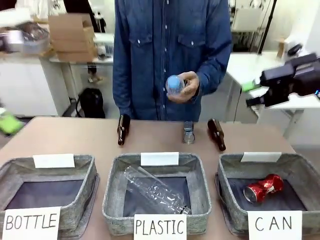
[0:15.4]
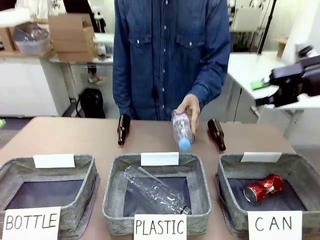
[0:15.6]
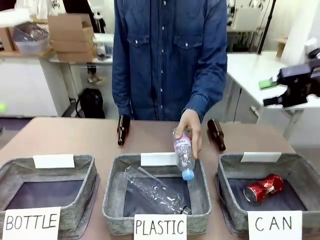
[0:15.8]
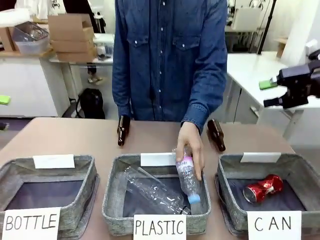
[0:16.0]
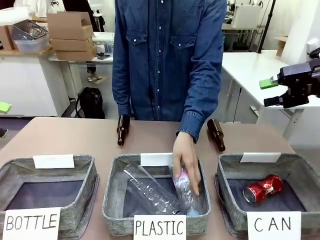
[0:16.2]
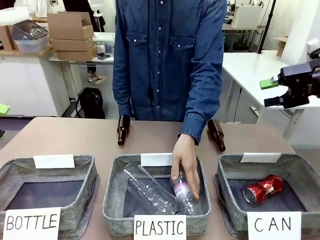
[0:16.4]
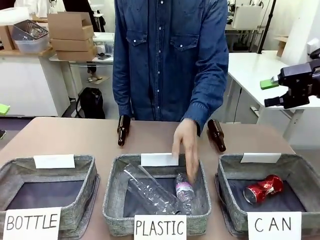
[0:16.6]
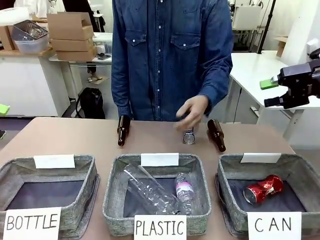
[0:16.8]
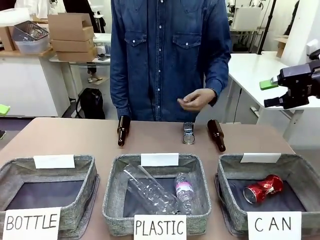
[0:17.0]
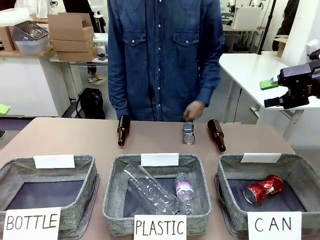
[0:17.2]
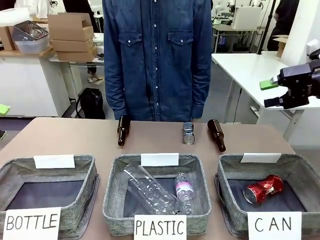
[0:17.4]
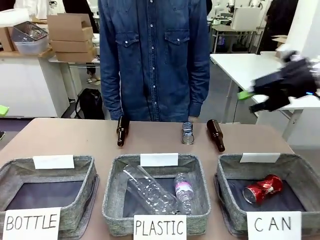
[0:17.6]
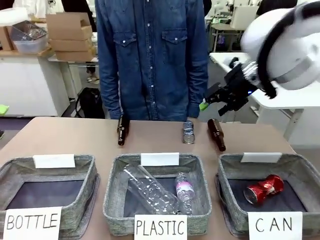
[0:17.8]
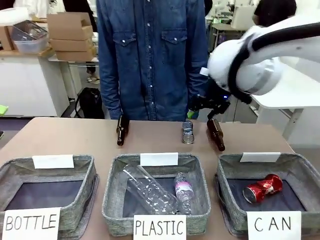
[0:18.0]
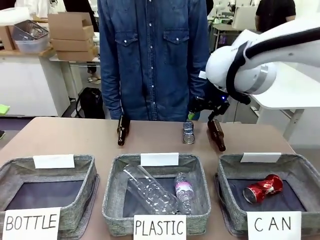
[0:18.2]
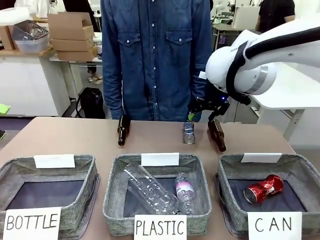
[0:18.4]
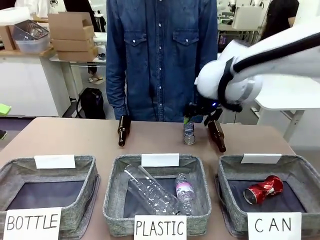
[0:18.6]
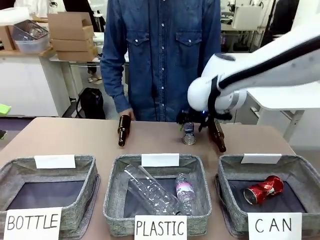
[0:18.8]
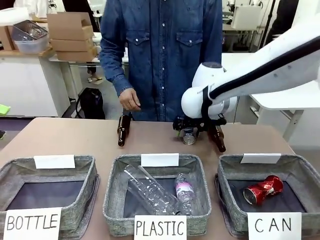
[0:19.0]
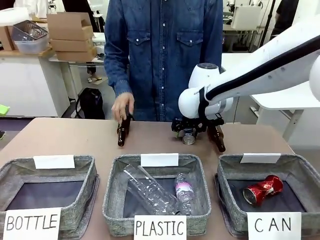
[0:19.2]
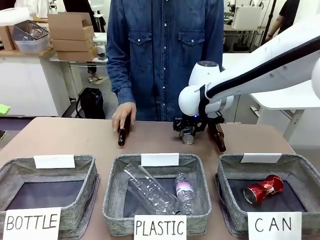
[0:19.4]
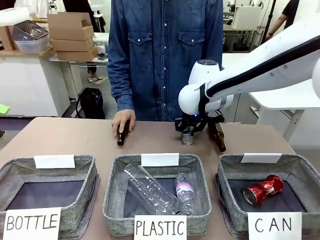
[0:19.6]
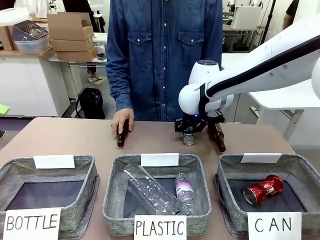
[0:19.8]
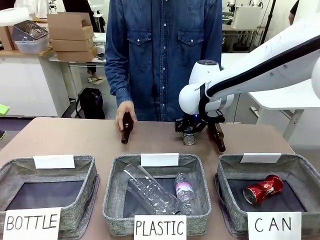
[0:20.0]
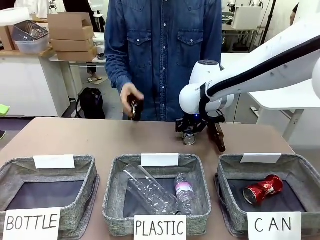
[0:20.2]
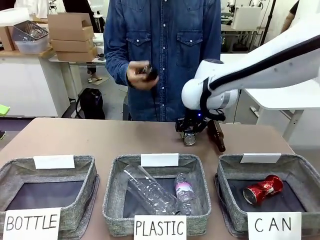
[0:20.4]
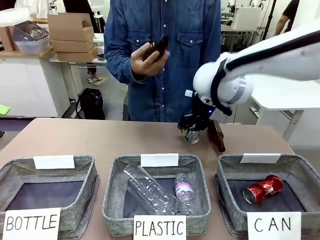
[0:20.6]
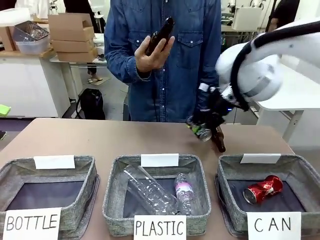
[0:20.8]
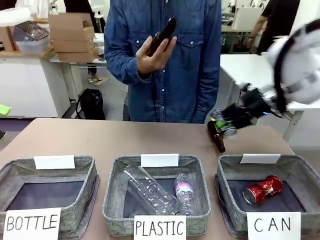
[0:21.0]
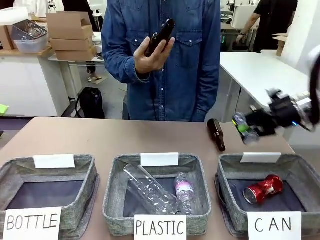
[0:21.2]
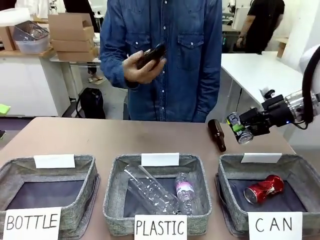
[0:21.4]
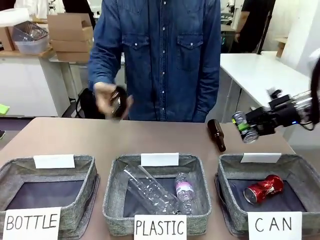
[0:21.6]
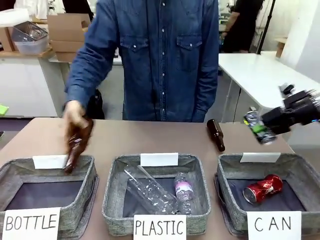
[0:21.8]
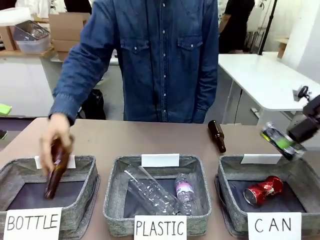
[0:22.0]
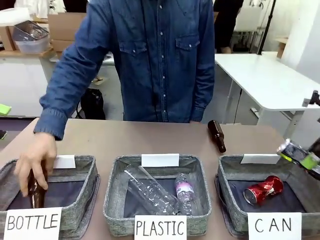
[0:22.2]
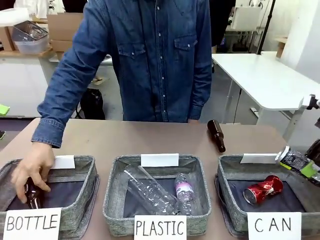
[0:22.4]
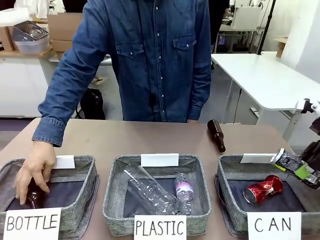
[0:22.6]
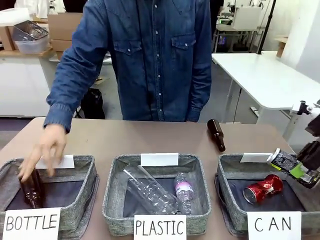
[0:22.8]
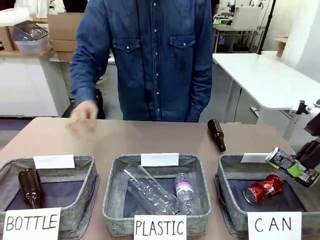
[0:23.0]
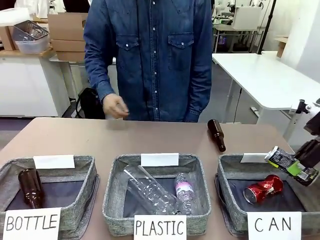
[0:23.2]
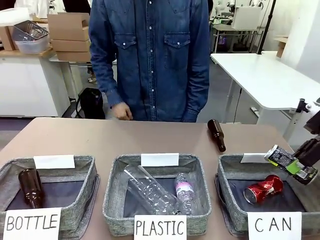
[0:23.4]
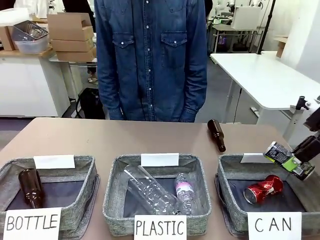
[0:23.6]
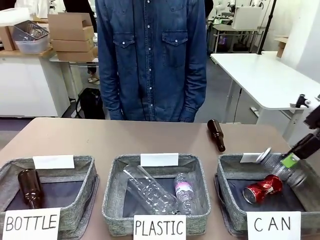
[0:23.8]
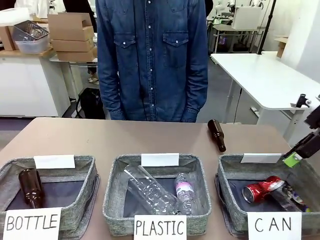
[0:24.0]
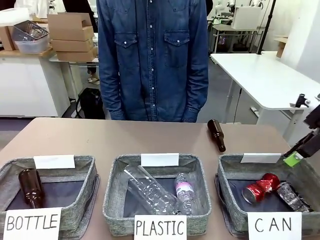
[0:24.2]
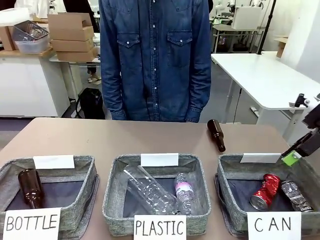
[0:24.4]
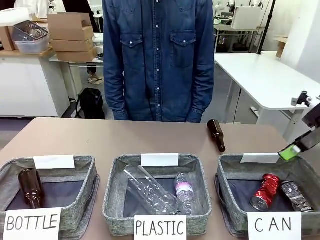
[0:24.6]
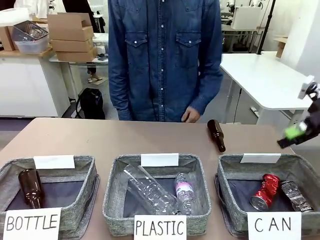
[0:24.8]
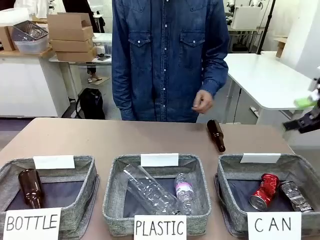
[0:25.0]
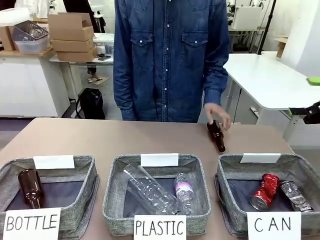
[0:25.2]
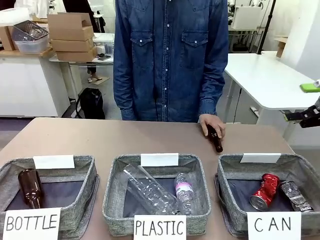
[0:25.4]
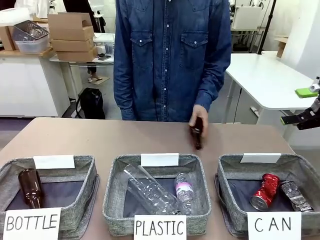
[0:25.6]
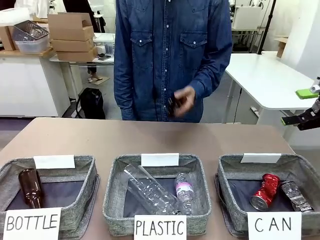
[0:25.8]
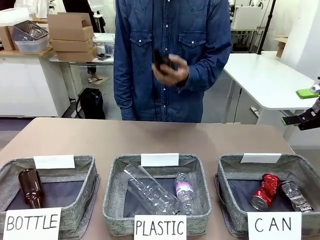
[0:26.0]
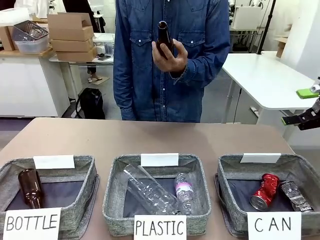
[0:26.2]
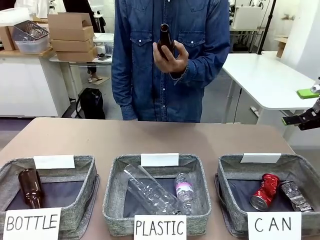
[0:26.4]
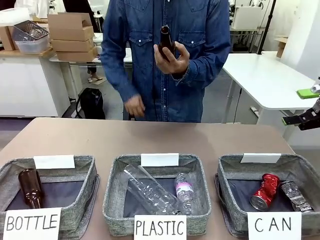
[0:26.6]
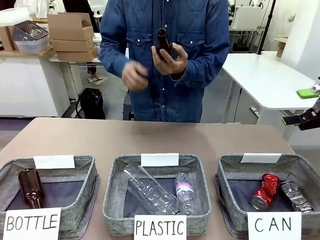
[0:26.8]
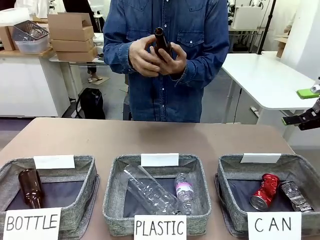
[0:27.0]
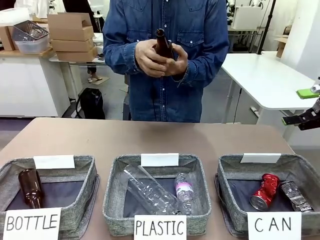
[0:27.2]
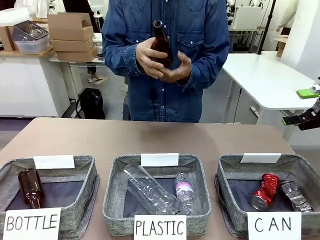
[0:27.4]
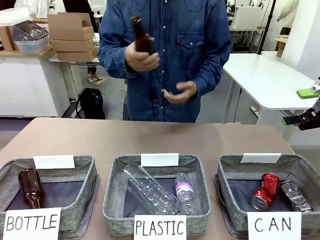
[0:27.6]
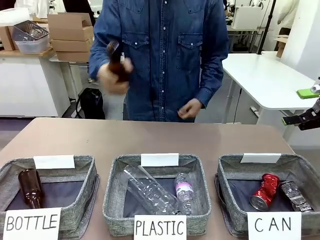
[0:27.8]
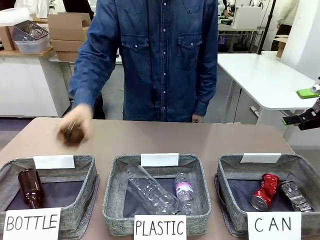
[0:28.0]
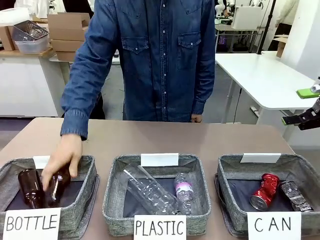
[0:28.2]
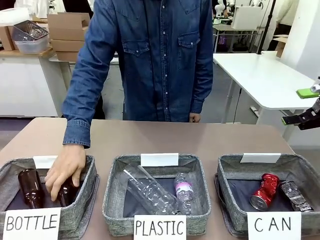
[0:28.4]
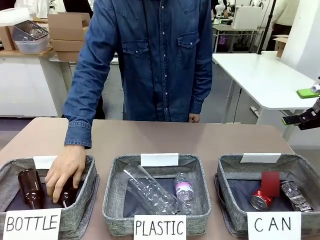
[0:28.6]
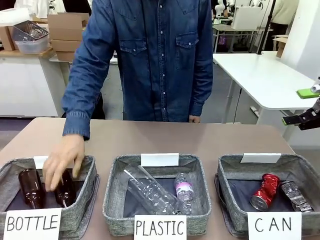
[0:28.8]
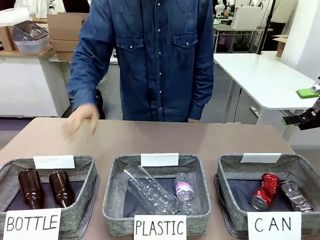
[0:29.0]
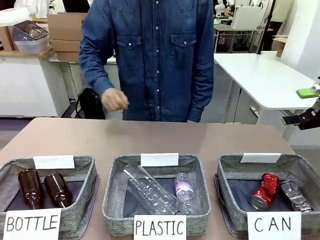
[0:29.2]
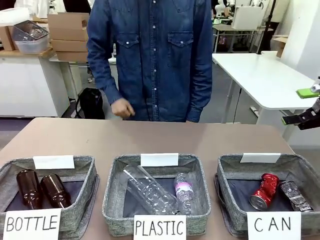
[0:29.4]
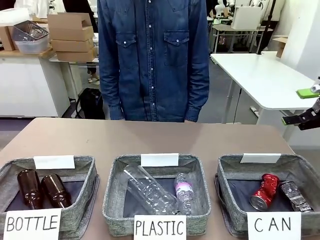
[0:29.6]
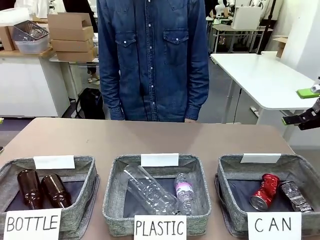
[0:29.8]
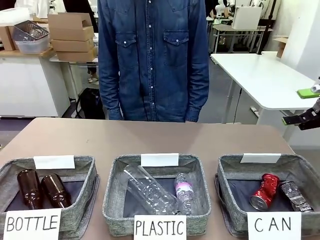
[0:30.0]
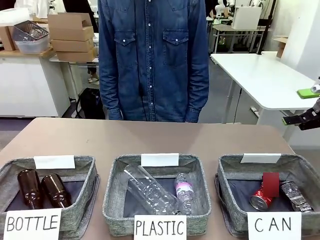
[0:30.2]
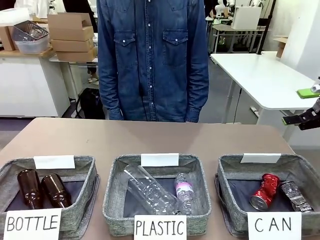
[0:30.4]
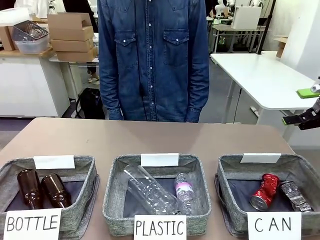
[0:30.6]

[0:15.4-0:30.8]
Task: Sort the can waste into the basket.
Robot: Pick up the can waste from the table and place it in the right Fabric basket.
